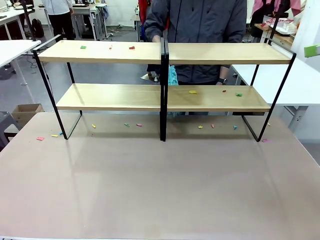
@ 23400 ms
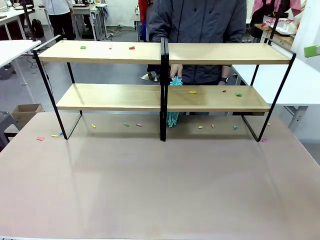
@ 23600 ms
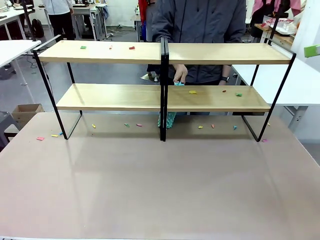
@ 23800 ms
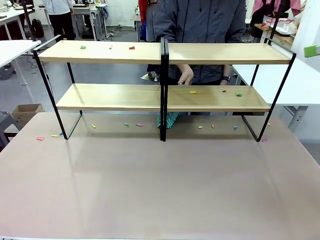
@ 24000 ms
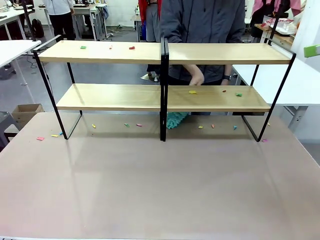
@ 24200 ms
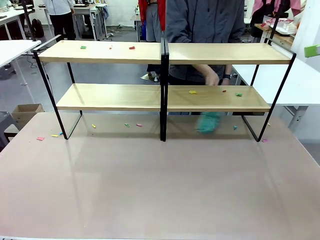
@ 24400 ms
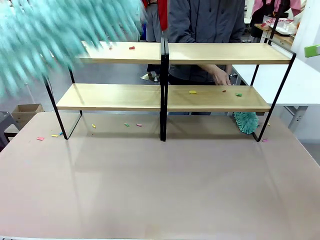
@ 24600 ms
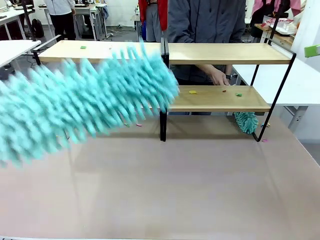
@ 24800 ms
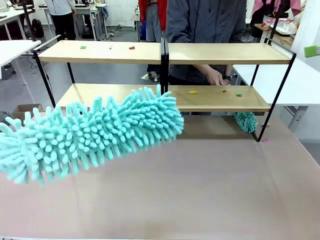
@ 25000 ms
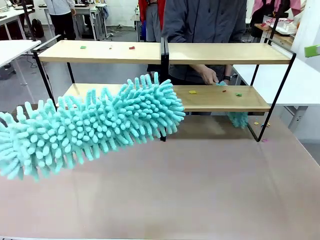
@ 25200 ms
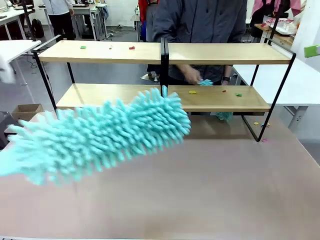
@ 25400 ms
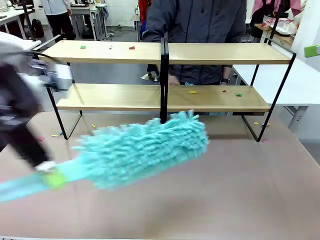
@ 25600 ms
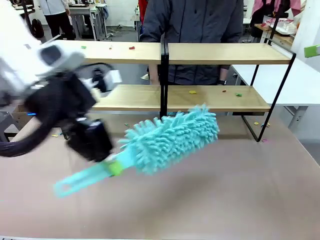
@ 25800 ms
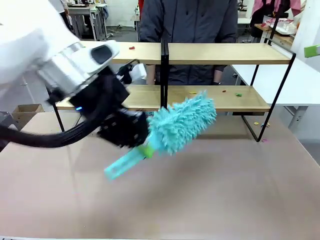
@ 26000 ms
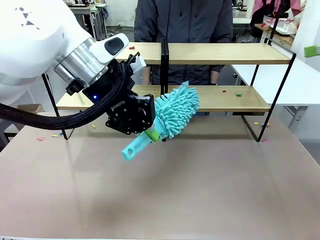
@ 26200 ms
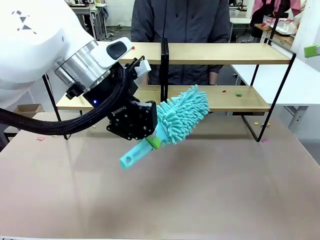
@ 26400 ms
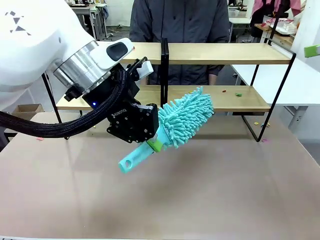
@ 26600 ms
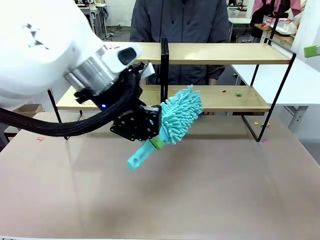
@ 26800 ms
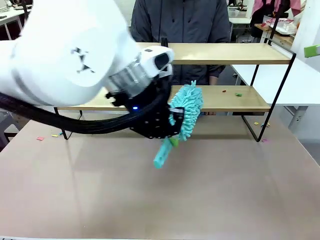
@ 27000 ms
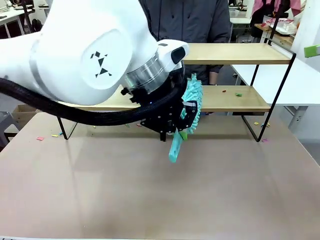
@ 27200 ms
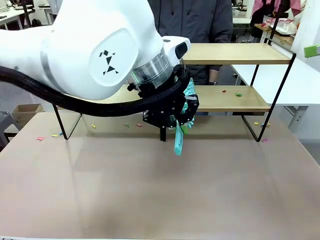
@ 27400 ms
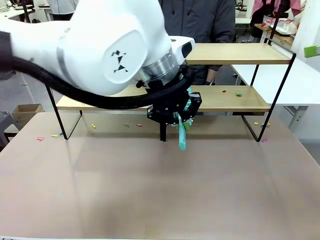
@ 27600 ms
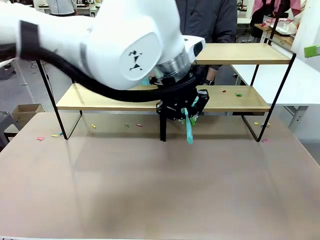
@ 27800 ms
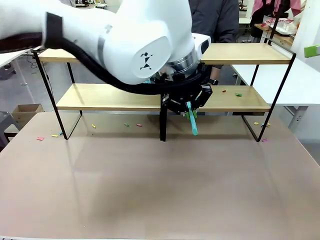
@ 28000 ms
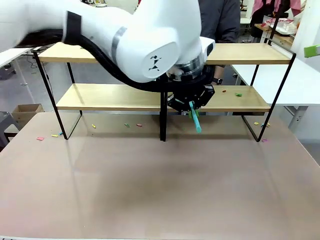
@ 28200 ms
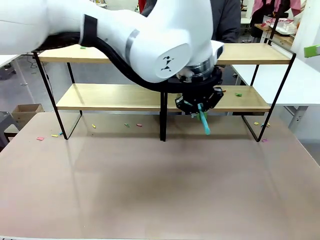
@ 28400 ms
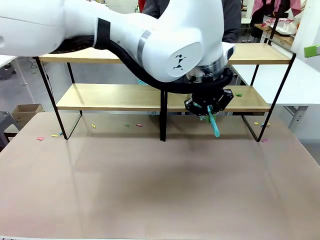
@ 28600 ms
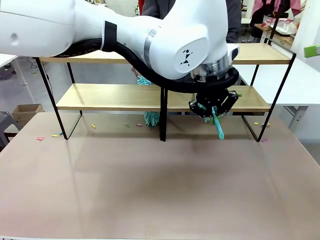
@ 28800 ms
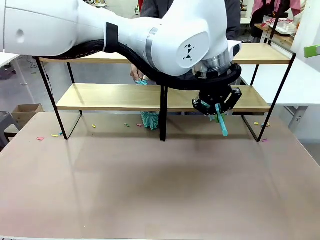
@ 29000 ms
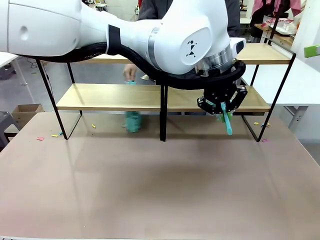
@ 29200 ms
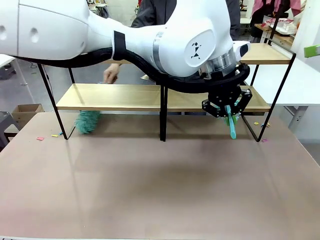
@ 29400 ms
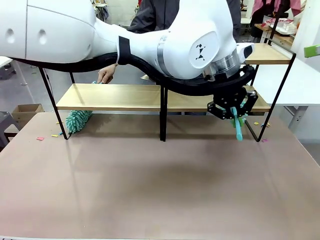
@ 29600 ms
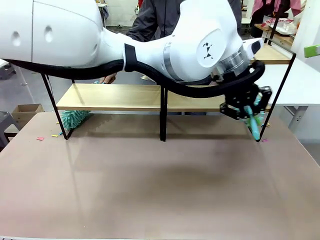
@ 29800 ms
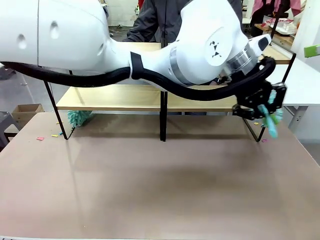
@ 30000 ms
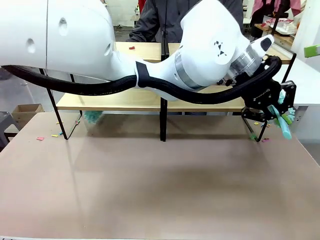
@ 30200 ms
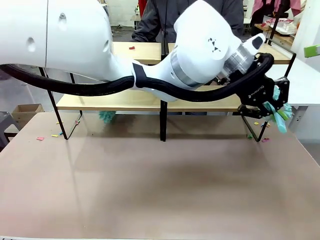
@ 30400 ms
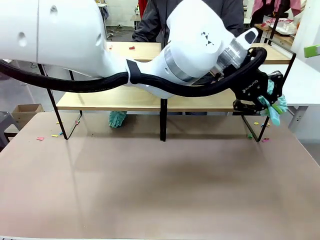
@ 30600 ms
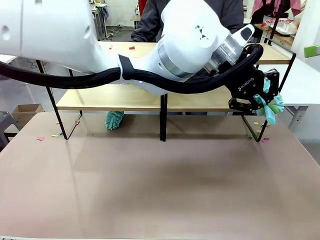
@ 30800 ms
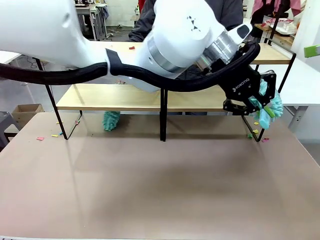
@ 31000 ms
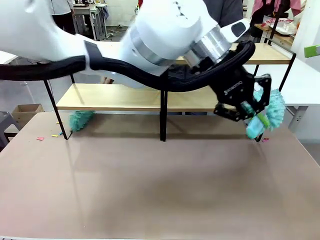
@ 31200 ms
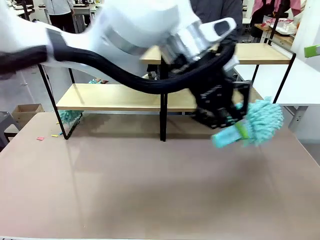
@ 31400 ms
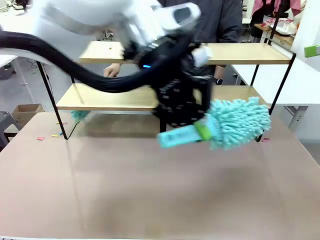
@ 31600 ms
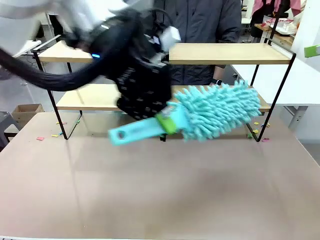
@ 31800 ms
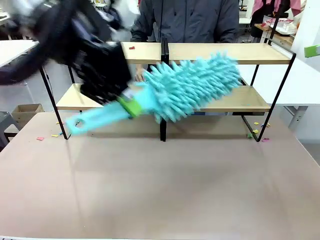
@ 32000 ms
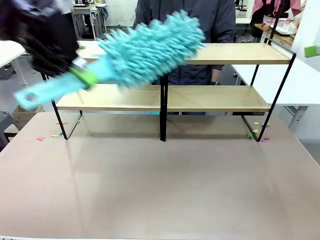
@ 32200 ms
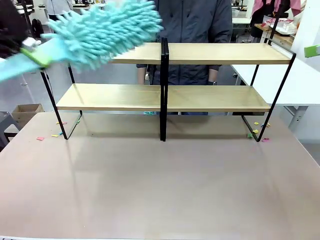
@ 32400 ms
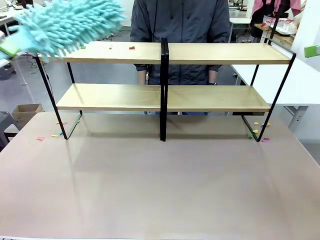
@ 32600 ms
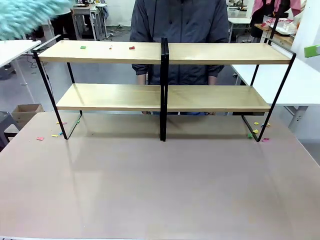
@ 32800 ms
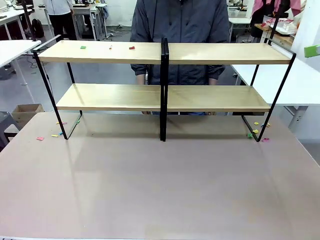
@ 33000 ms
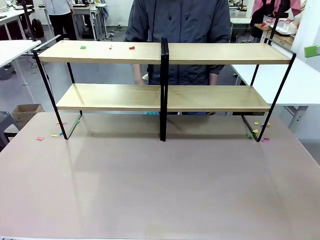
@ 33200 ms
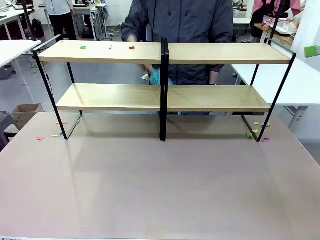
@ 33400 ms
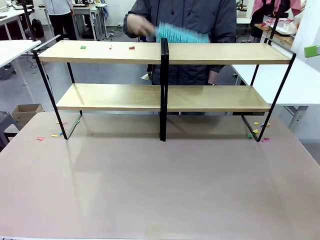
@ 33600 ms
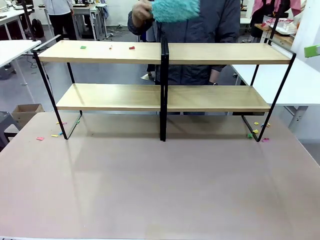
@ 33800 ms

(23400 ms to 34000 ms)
Task: Clean the shelves.
Robot: Clean another randomly selected level of the Shelf with the Duster.

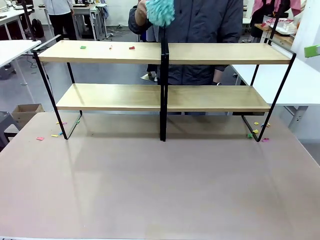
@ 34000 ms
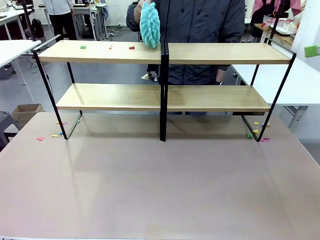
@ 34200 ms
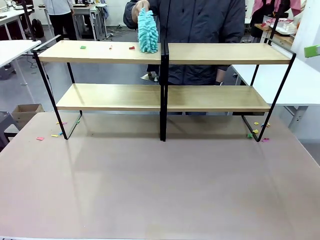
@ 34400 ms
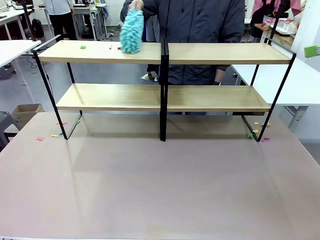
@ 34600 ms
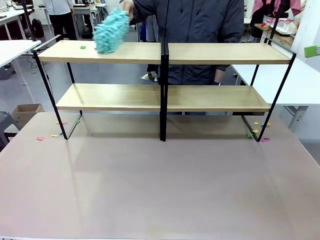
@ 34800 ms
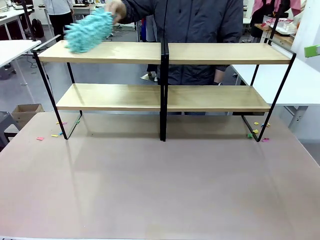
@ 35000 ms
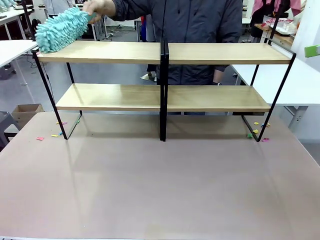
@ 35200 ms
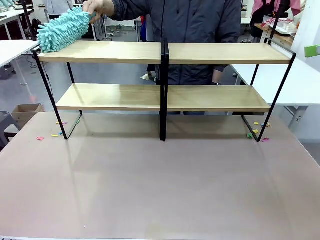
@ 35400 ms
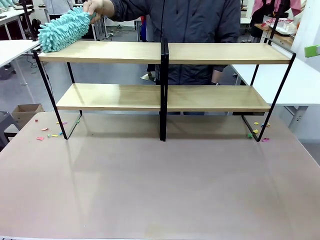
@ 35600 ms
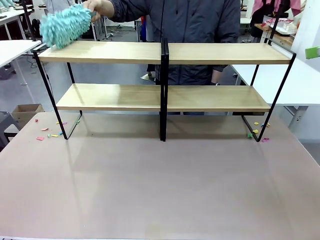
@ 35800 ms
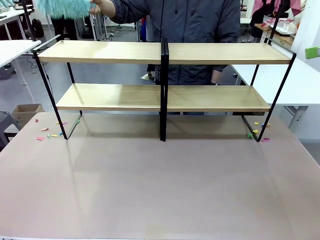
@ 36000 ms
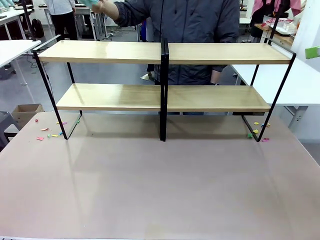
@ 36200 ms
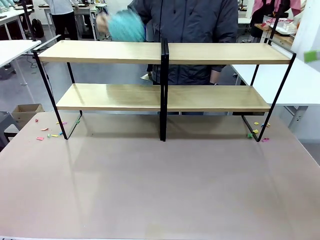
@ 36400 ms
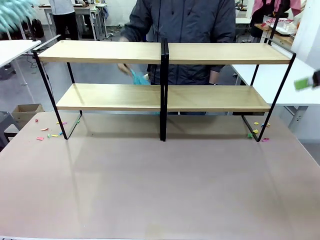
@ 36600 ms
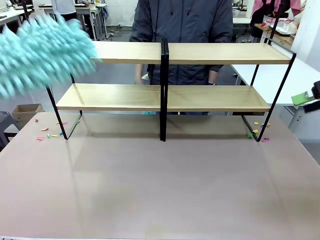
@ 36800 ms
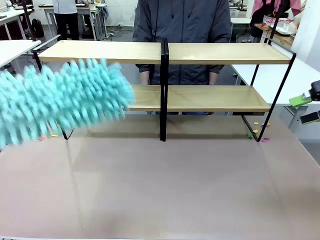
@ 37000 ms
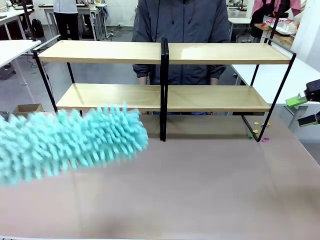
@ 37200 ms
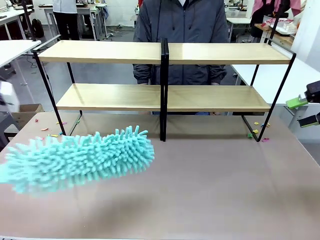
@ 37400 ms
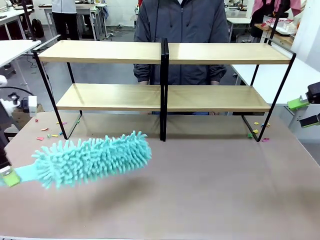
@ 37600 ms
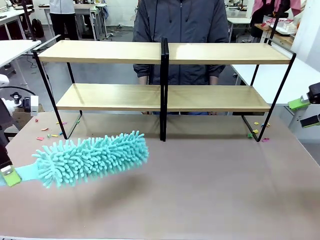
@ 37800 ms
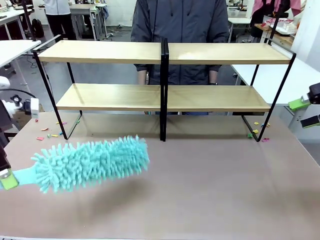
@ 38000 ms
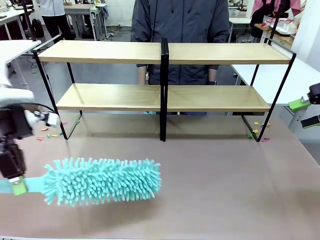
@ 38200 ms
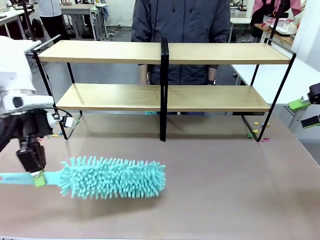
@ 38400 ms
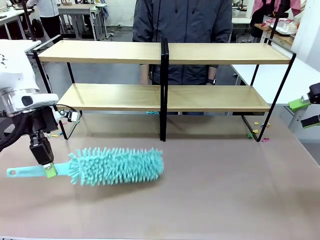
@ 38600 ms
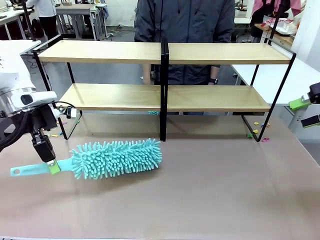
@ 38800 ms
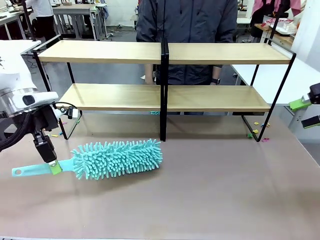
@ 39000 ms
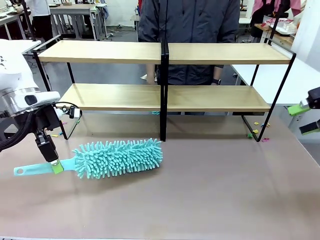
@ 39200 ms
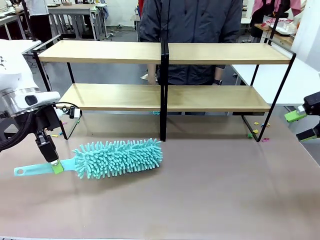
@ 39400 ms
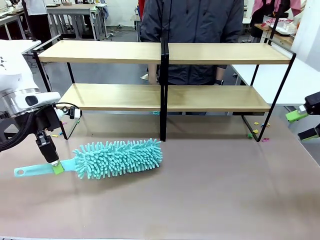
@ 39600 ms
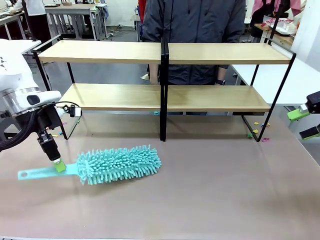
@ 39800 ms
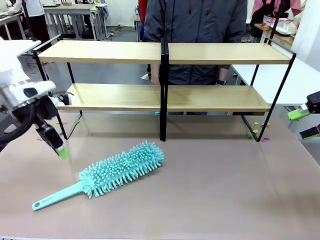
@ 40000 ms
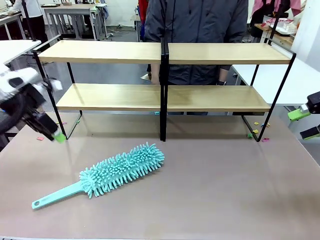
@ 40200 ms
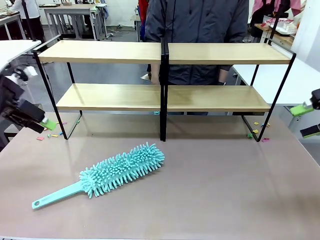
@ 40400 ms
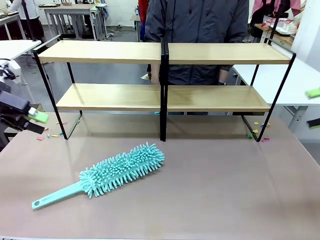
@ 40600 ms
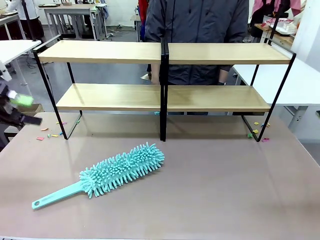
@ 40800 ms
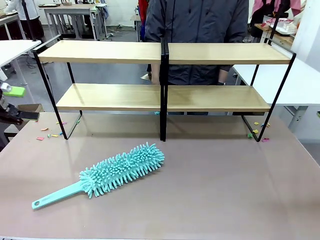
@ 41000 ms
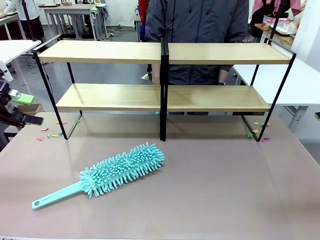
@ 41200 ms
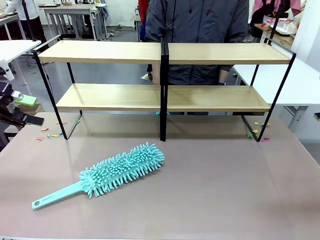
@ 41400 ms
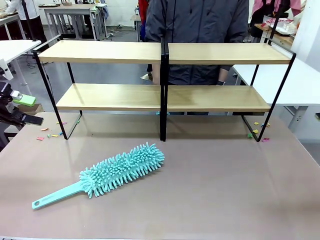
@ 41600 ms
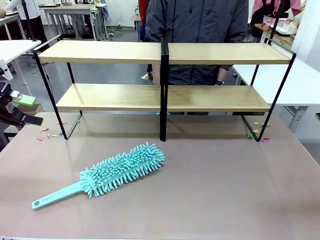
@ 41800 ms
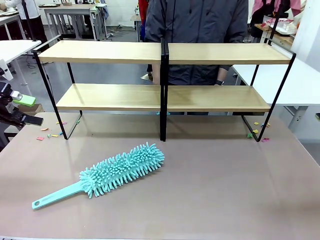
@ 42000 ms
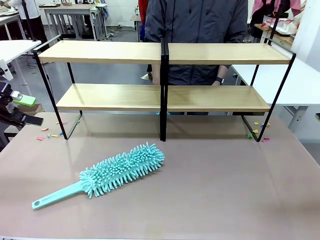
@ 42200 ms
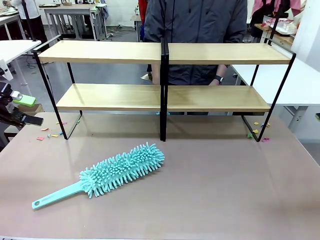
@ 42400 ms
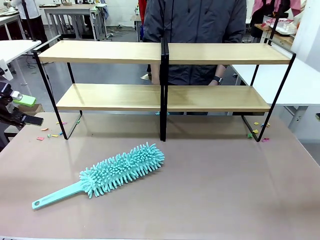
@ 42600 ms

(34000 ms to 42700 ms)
Robot: Place the Duster on the table.
